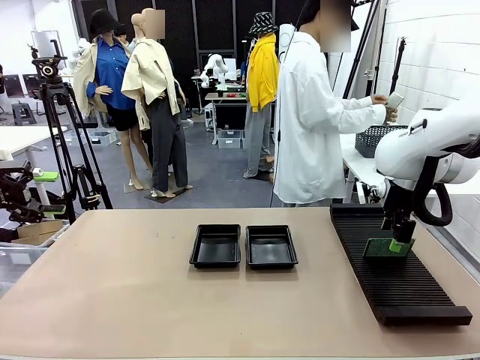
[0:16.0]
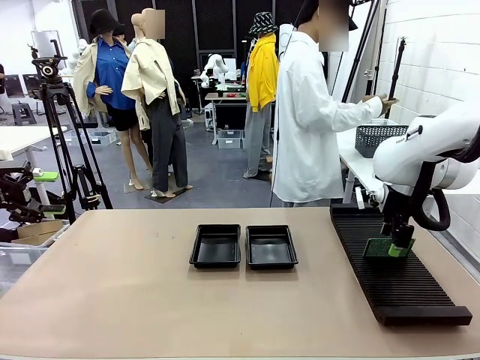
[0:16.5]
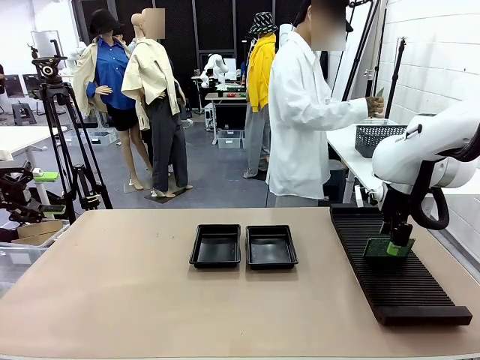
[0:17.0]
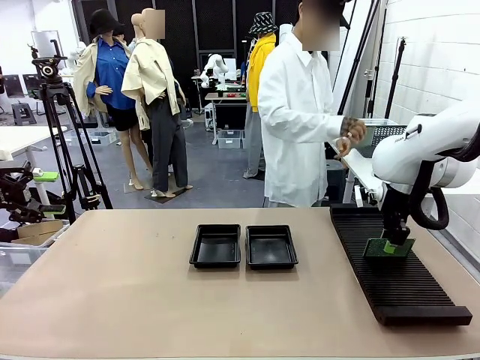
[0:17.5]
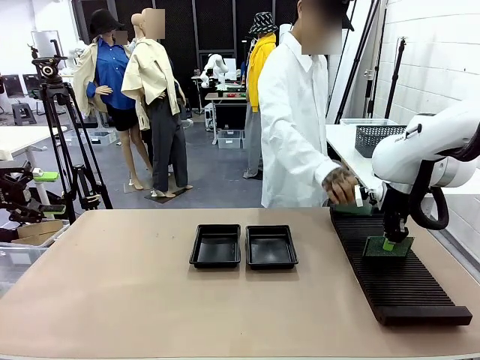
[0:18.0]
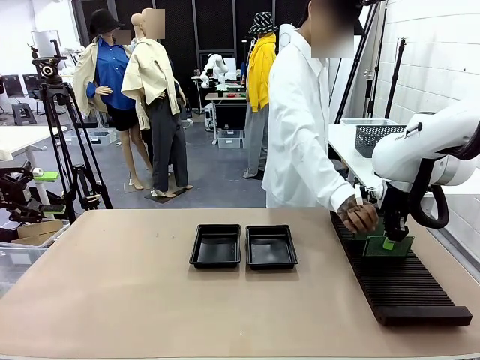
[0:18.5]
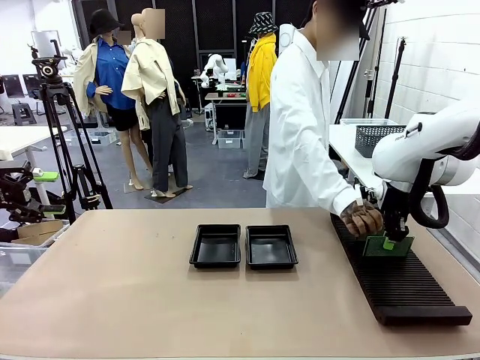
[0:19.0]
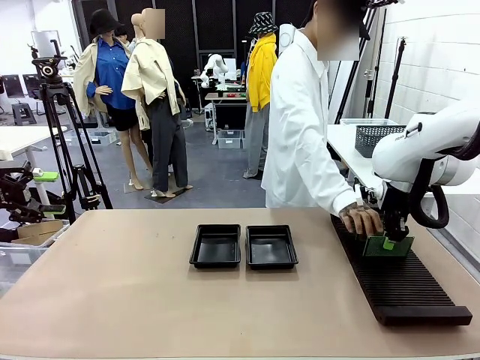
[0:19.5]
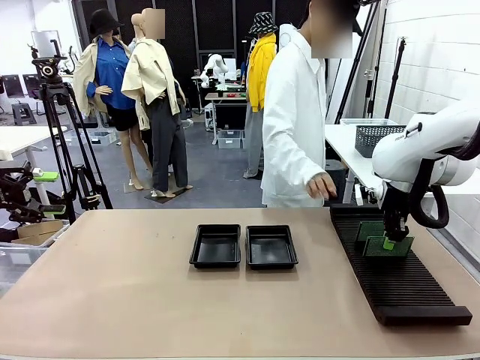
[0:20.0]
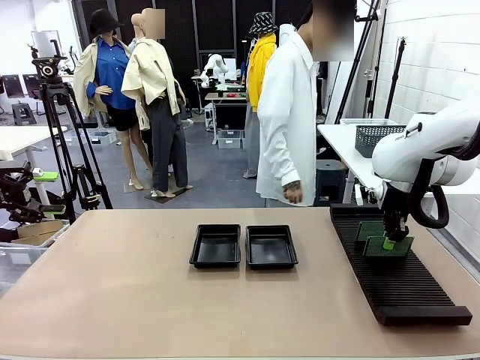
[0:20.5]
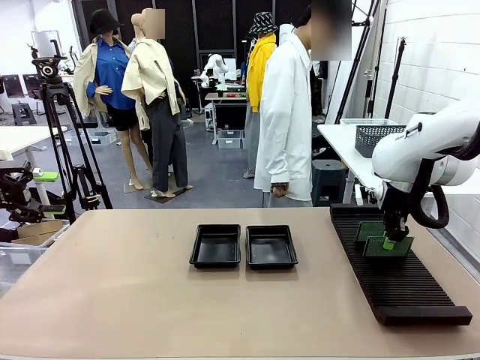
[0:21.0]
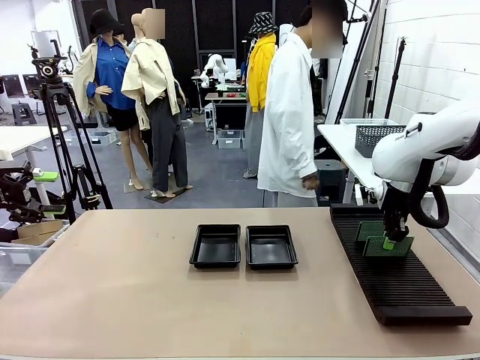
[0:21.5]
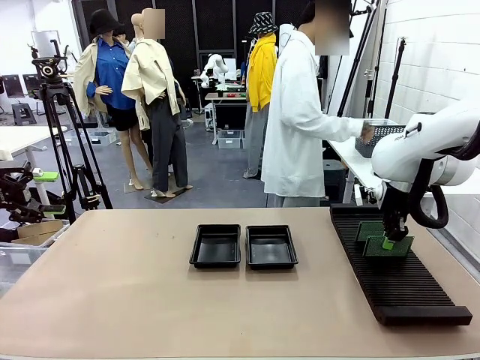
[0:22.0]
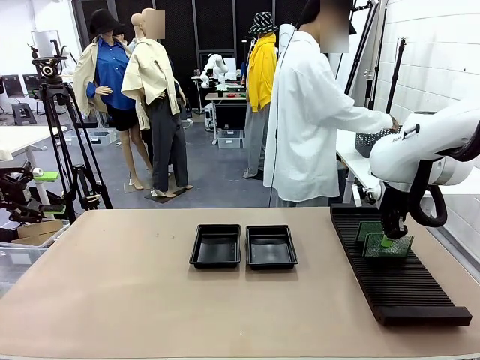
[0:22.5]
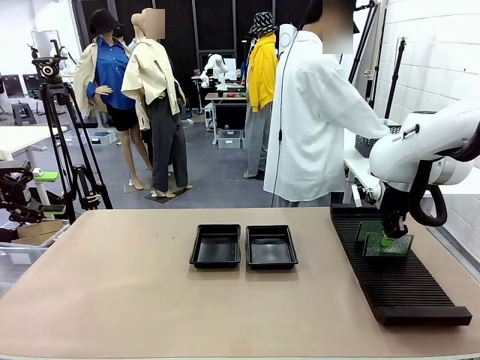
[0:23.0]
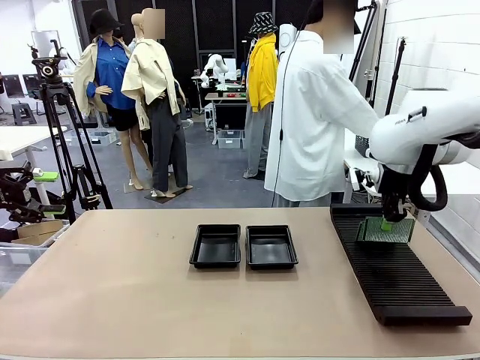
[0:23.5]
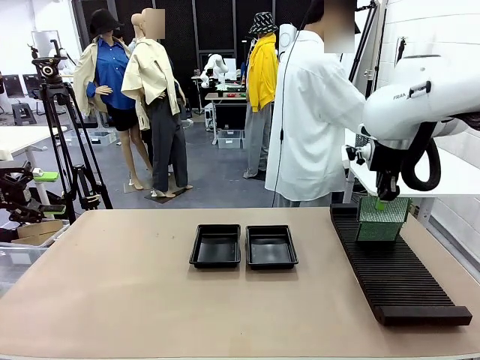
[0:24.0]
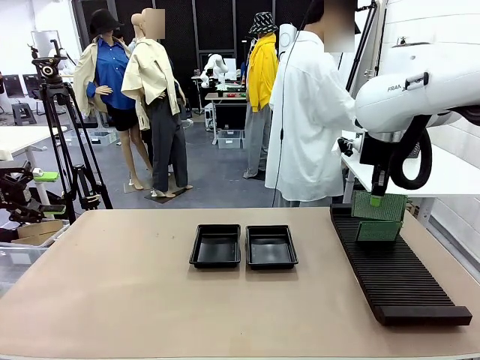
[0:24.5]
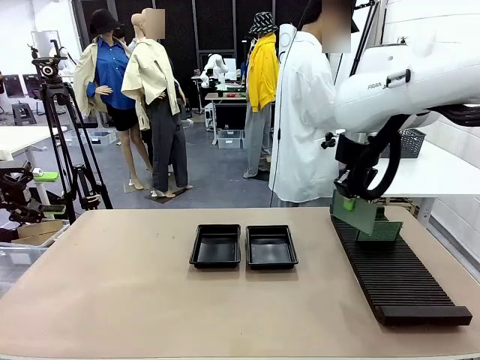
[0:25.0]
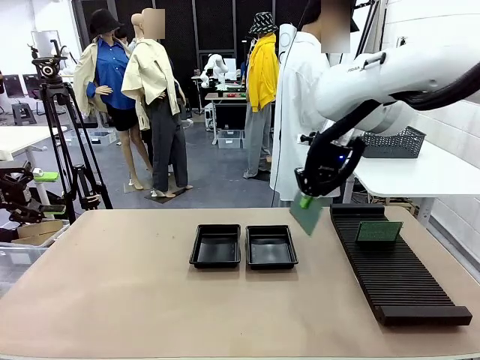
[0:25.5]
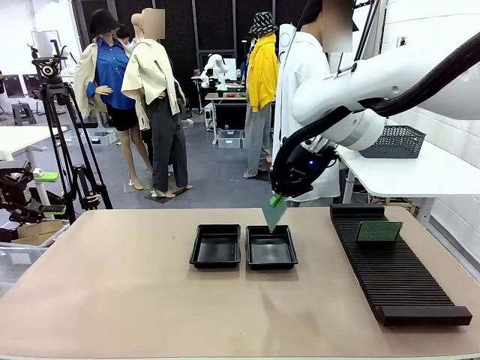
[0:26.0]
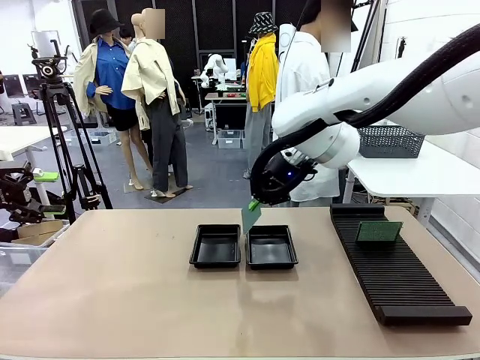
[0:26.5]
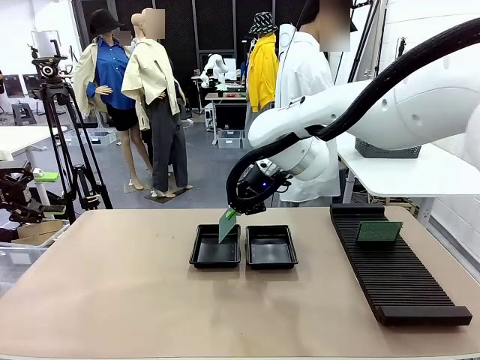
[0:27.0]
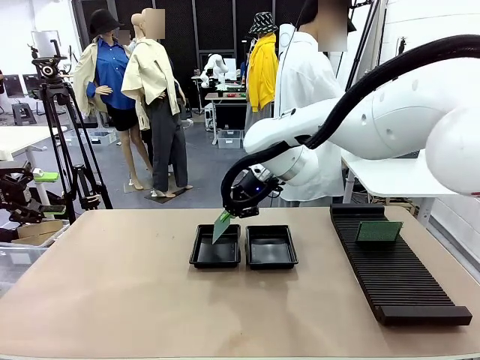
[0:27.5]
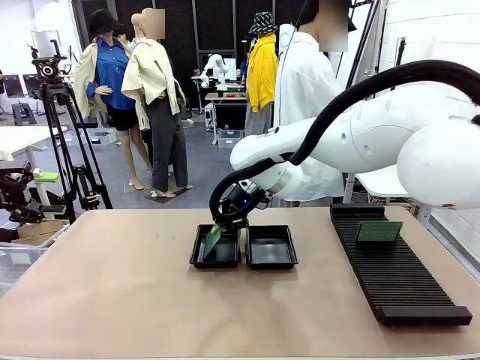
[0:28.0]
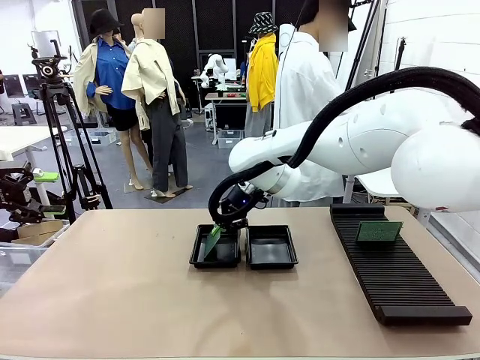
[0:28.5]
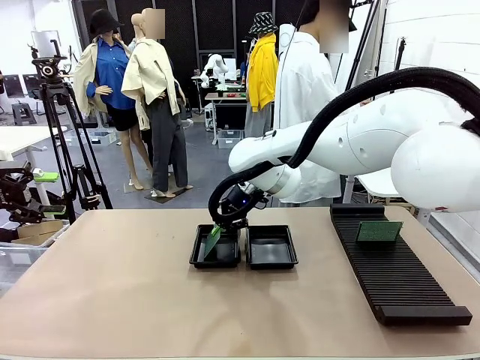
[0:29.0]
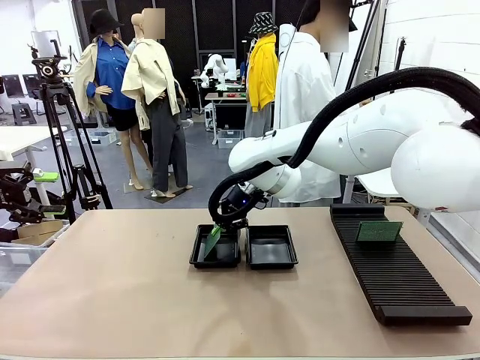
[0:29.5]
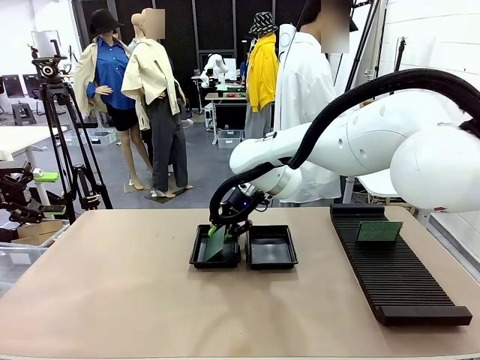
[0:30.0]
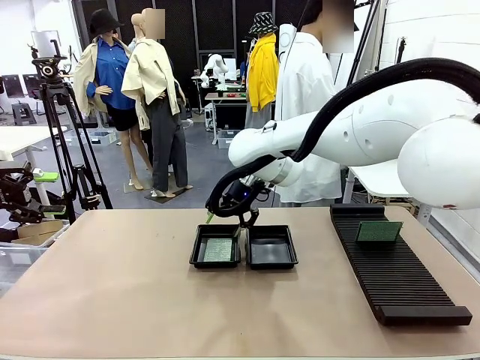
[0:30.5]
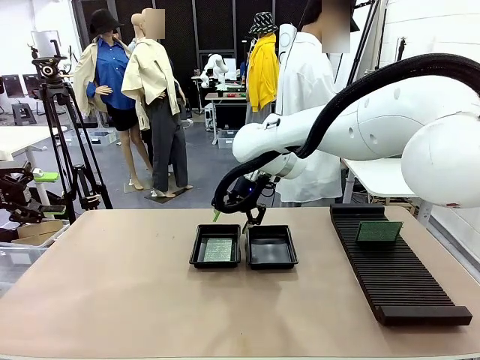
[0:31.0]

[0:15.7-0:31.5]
Task: Inspect and transfer BCBs to ESD trays.
Robot: Pick up the Blank PCB from the PCB Rack and place it in the left ESD tray.

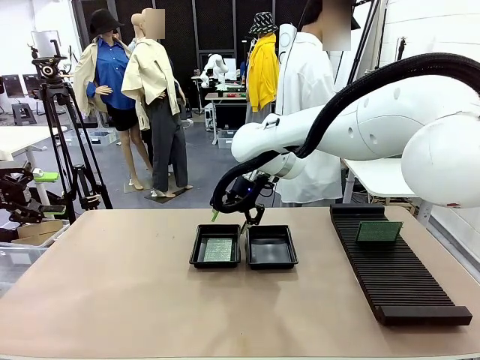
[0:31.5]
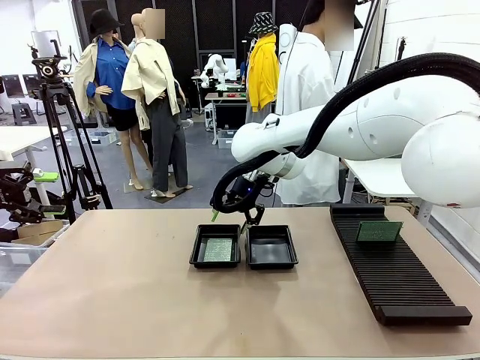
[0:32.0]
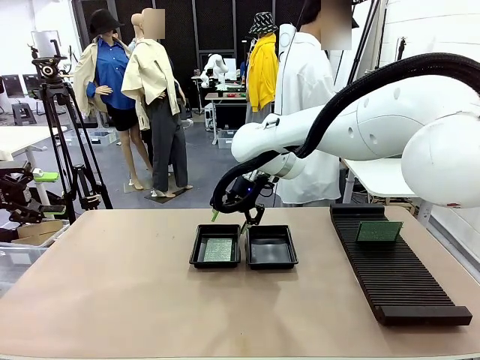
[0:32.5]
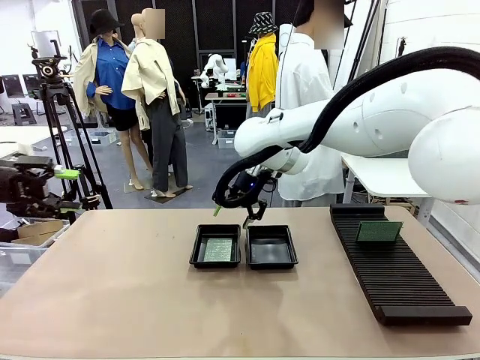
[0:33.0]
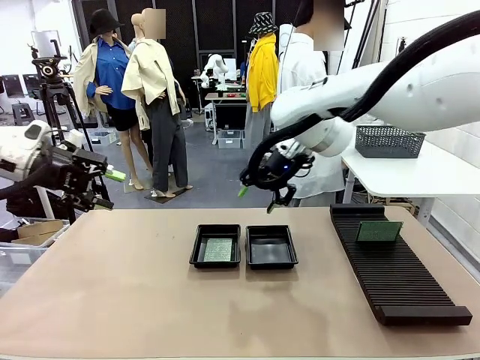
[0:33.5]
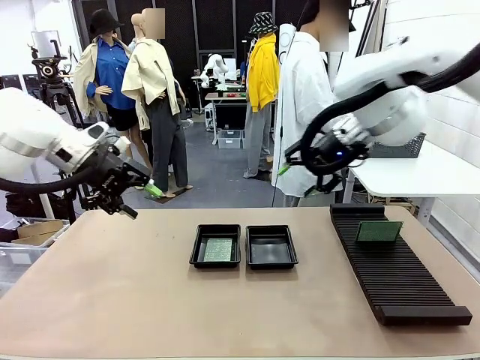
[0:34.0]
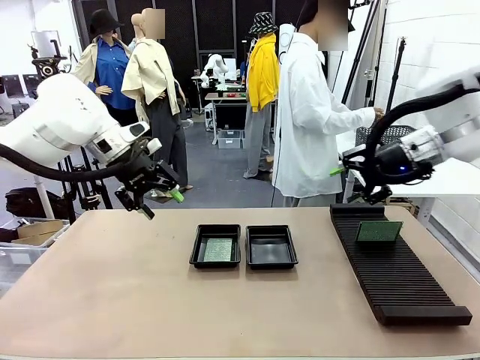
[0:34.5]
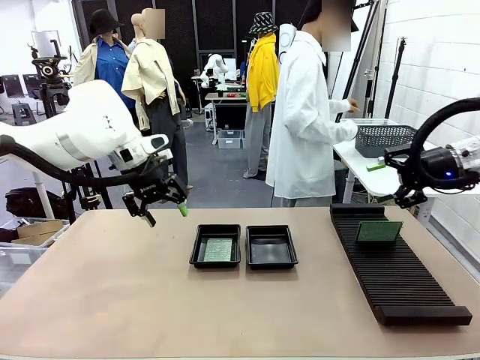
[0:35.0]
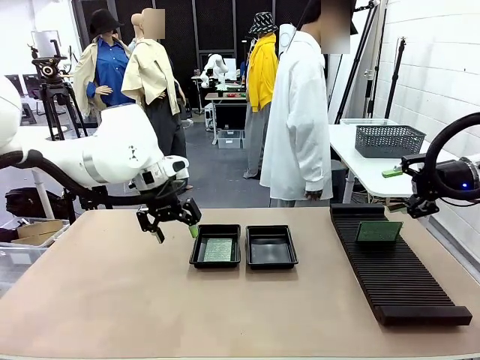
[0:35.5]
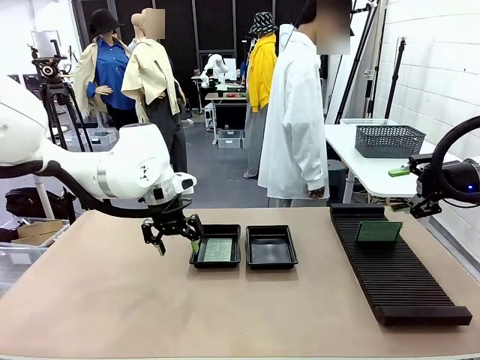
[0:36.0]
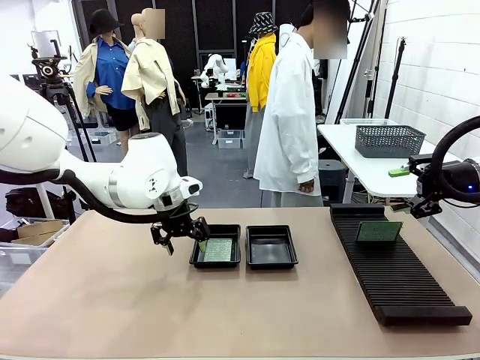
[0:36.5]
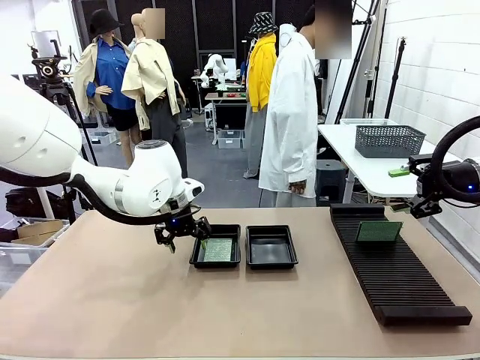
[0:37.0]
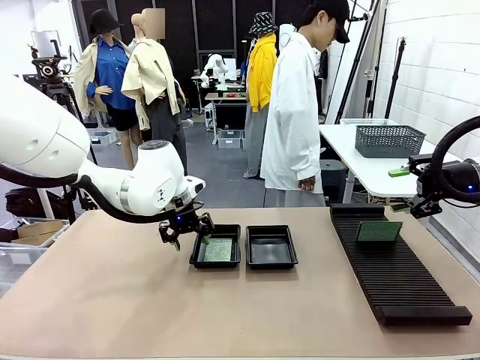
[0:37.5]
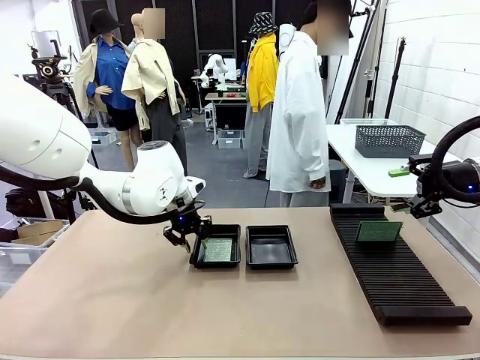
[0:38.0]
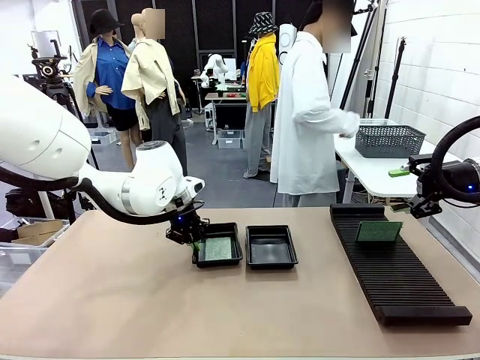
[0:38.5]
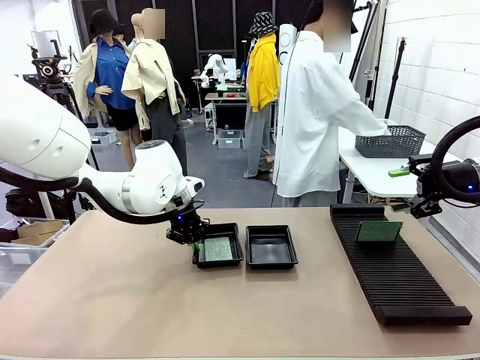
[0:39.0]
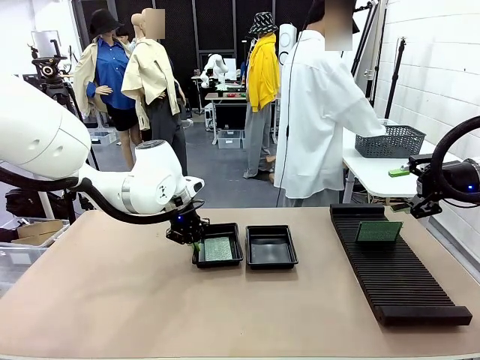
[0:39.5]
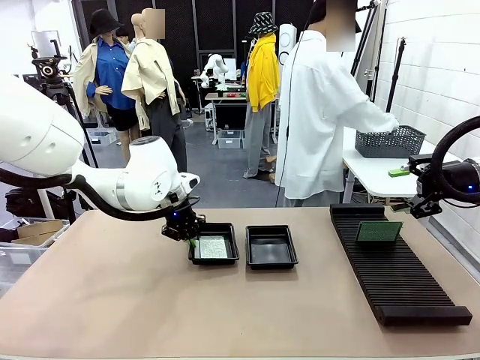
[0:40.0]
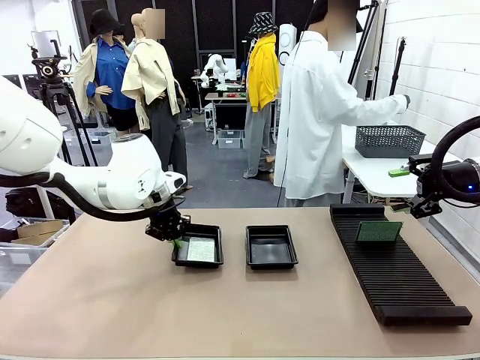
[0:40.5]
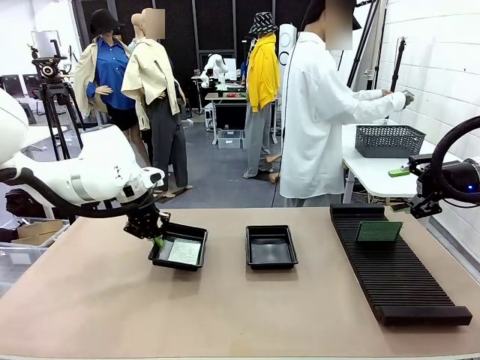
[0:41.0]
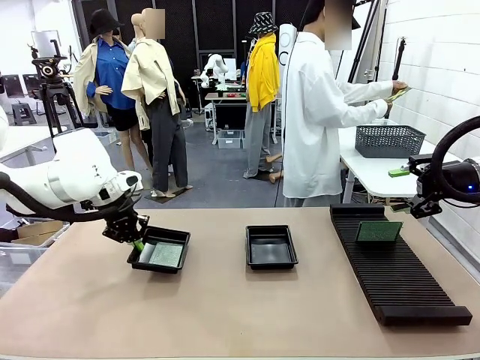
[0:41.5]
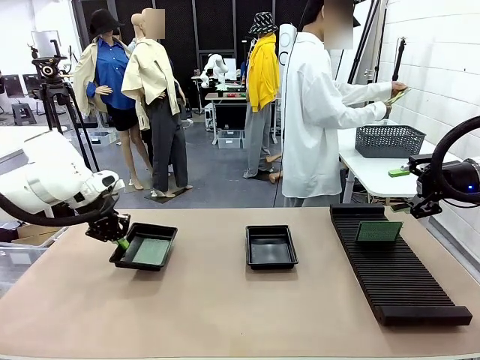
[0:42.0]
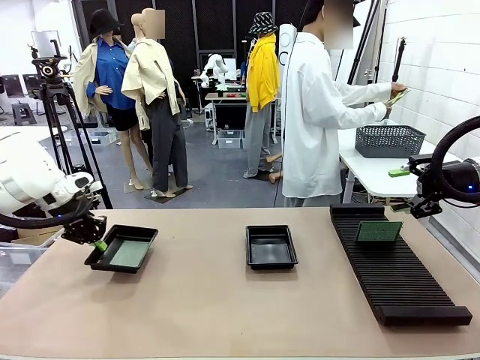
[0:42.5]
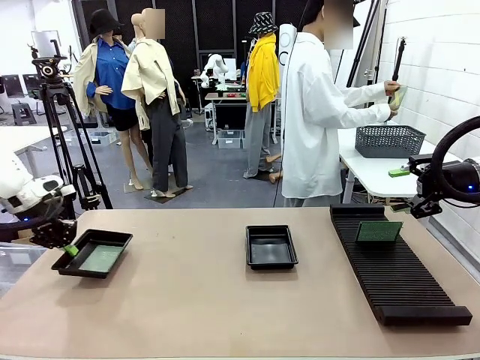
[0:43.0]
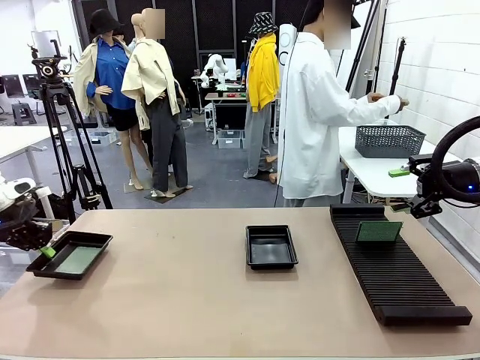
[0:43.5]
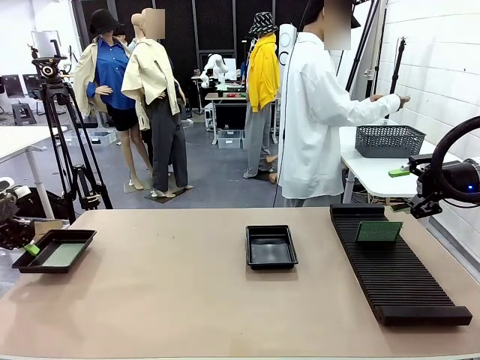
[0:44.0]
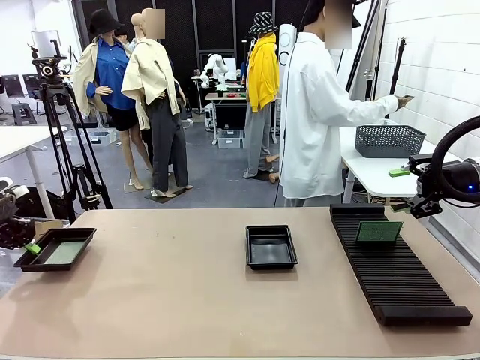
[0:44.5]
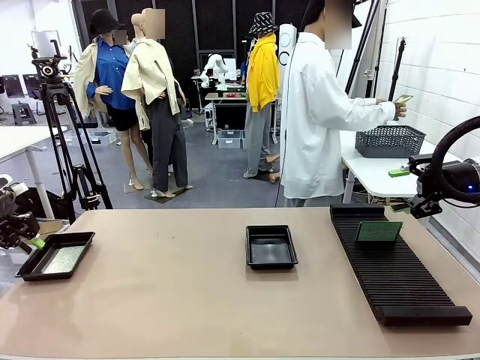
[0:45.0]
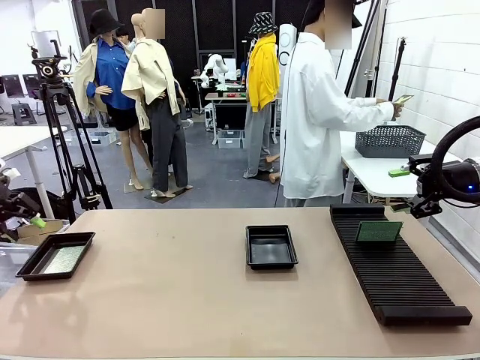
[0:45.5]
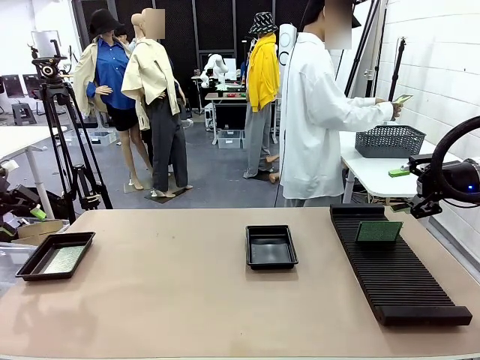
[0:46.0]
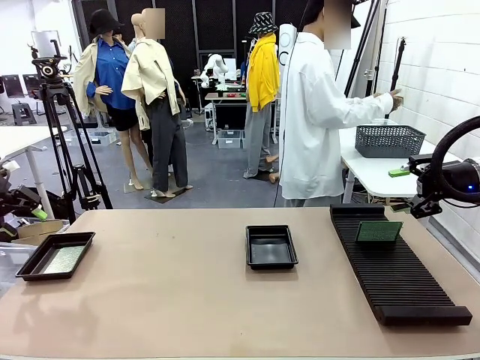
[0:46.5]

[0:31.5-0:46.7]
Robot: Pick up the ESD tray and place it on the left side of the table.
